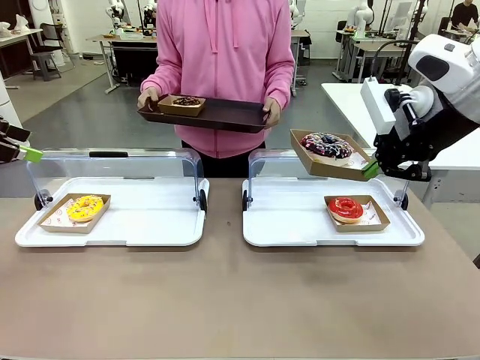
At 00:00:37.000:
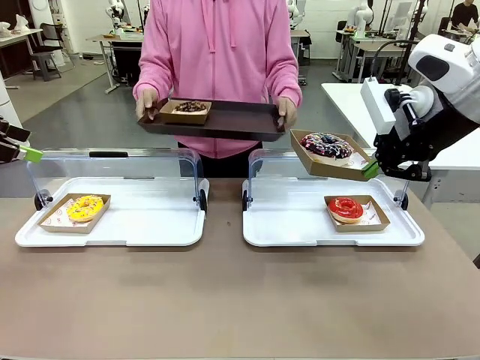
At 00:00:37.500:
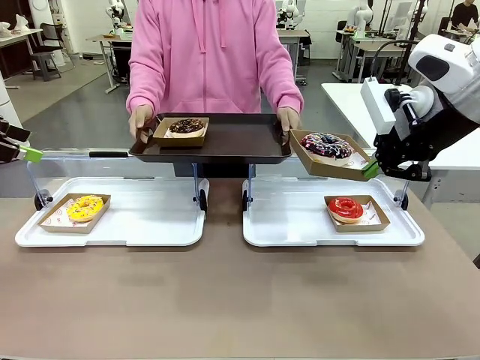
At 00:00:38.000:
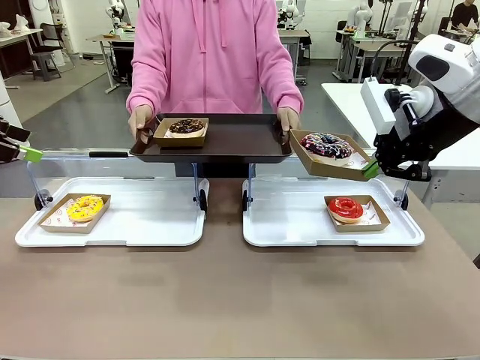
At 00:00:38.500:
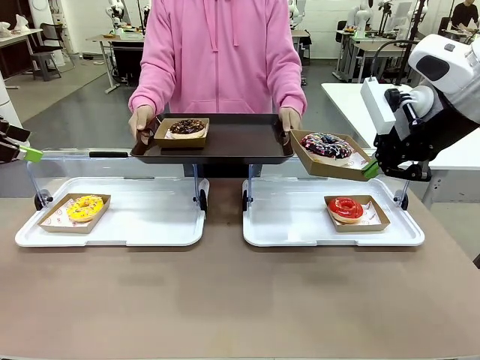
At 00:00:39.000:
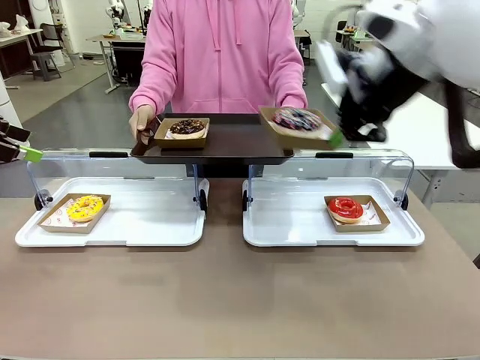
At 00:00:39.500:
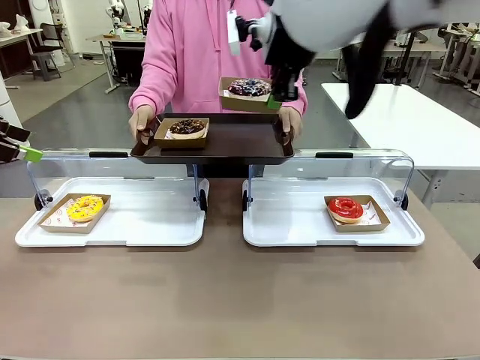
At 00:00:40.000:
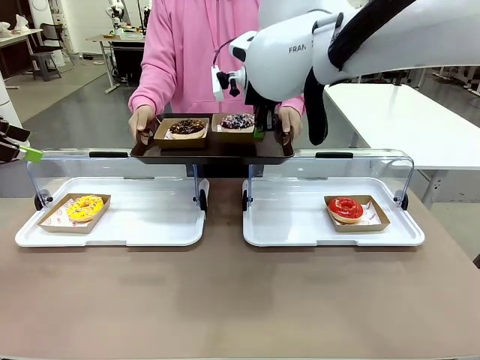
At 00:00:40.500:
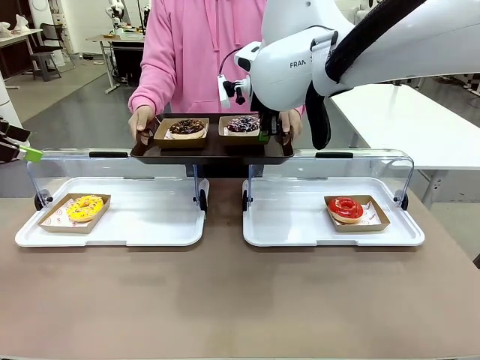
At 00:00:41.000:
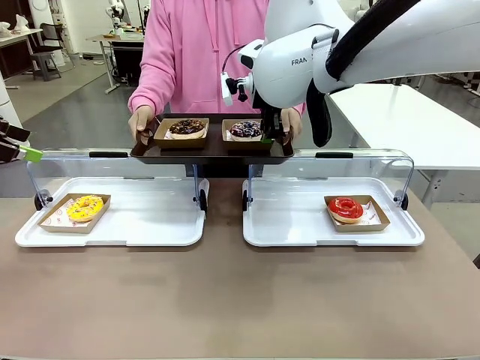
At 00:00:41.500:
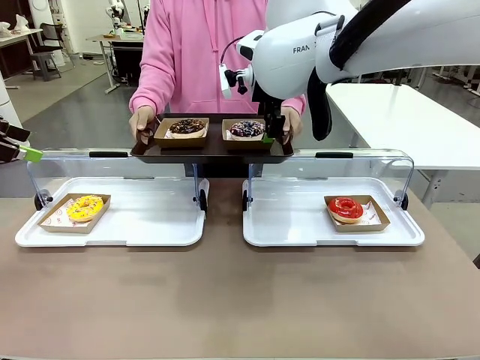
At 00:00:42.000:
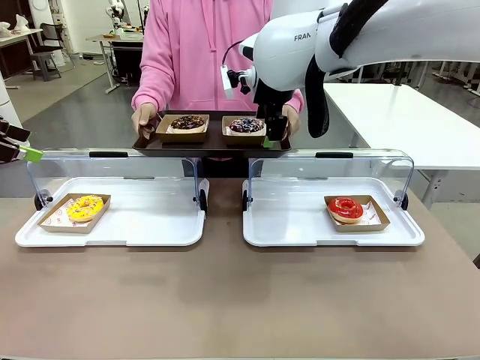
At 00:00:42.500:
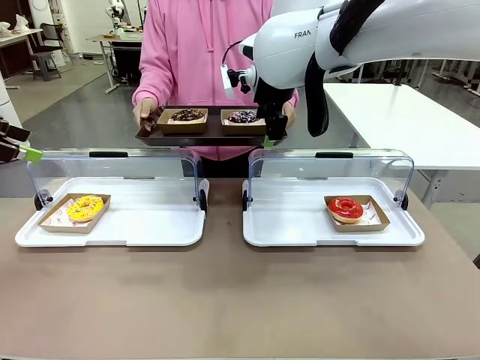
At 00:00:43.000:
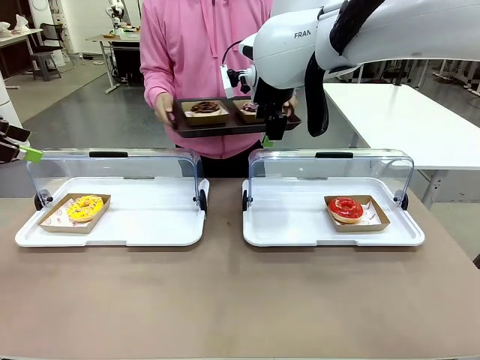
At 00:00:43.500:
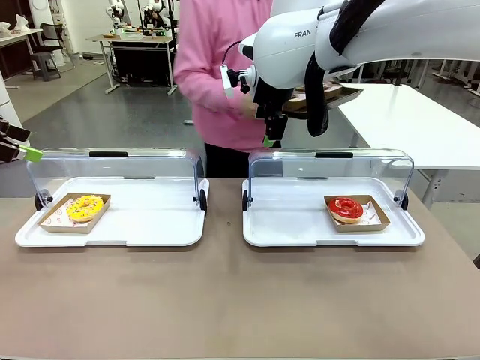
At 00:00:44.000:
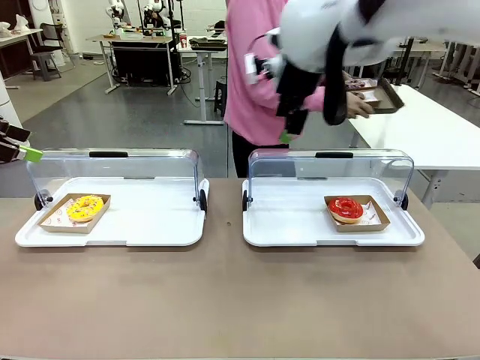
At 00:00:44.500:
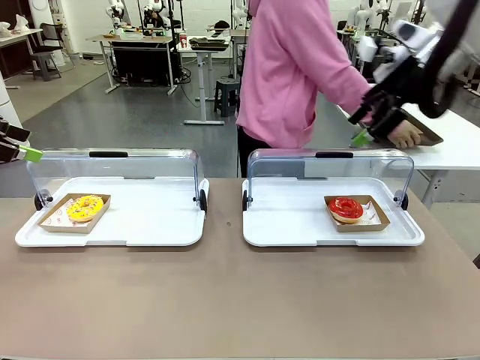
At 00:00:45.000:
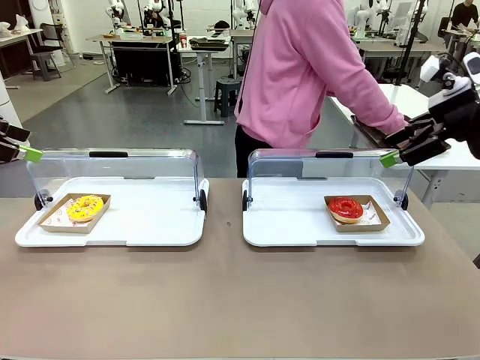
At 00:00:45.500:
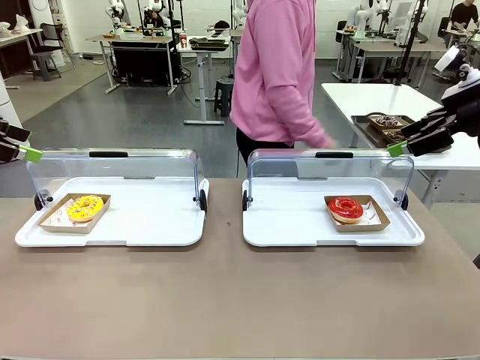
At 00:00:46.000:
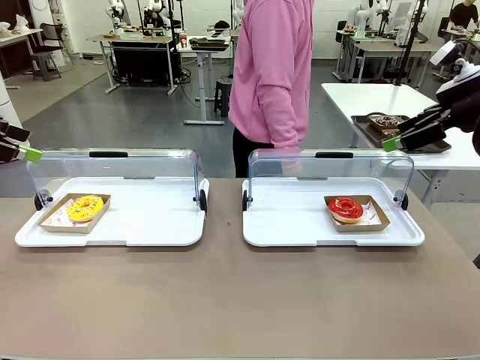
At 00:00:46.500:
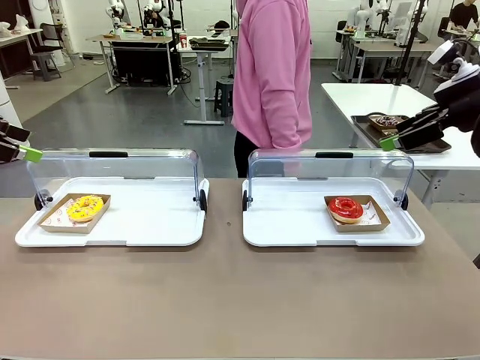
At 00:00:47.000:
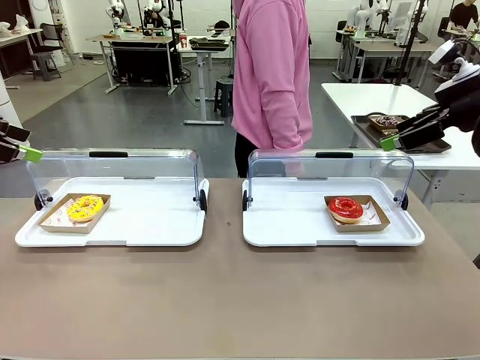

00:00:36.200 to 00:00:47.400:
Task: Provide the desired donut to the person.
Robot: Place the picked Paper togo box onto the Handle tray extended by the person.
Person: Place the tray in the middle of the human table.

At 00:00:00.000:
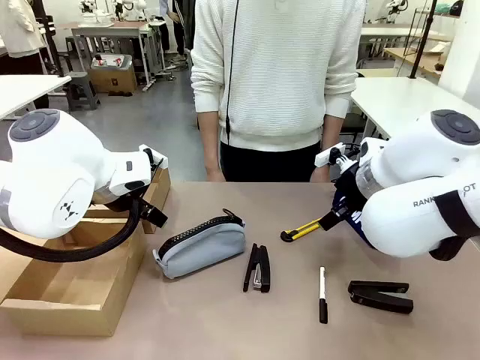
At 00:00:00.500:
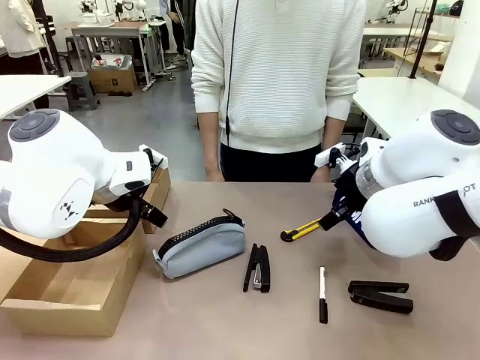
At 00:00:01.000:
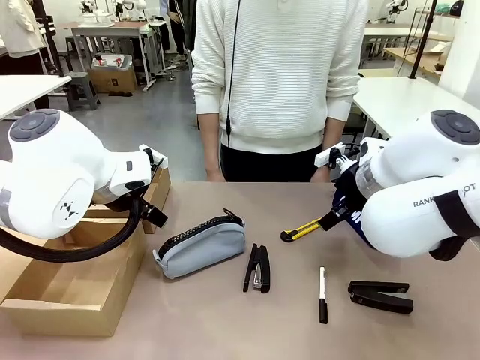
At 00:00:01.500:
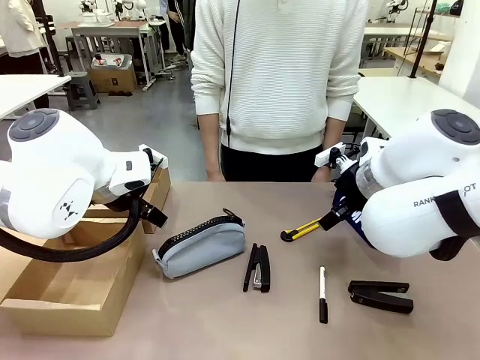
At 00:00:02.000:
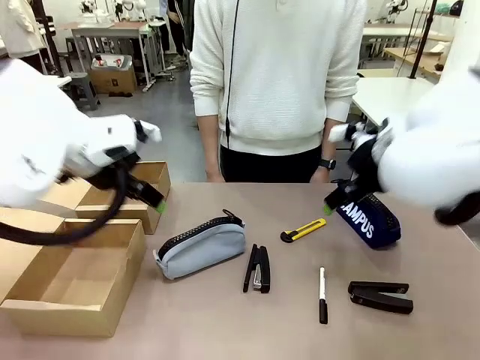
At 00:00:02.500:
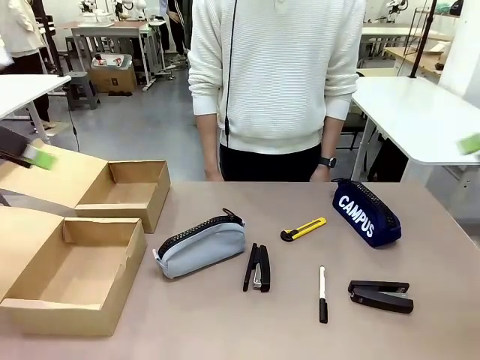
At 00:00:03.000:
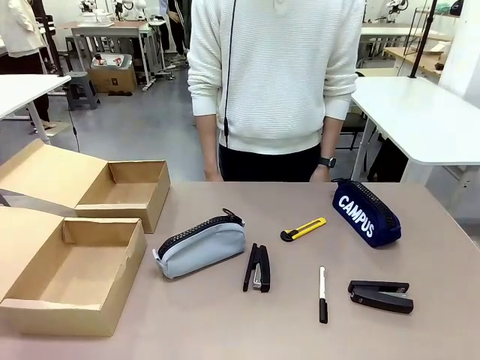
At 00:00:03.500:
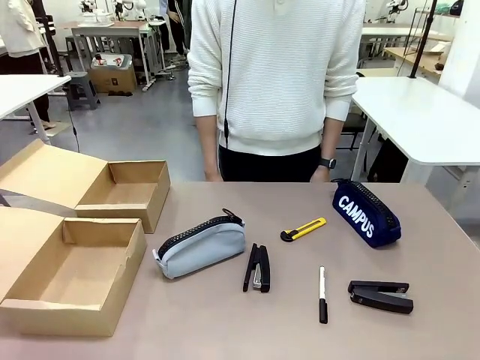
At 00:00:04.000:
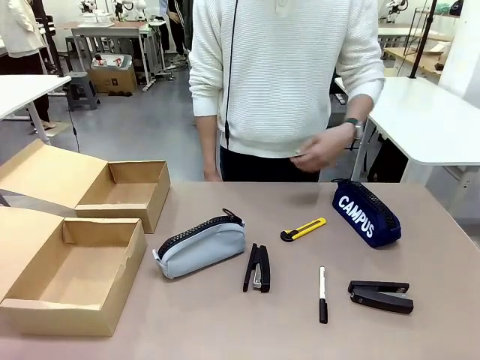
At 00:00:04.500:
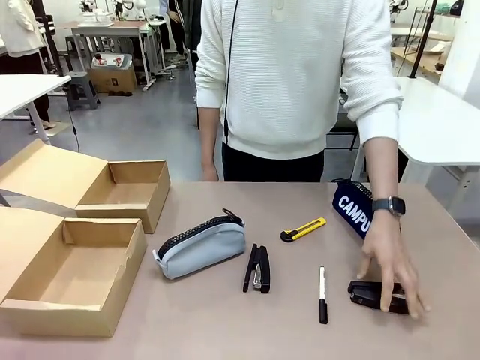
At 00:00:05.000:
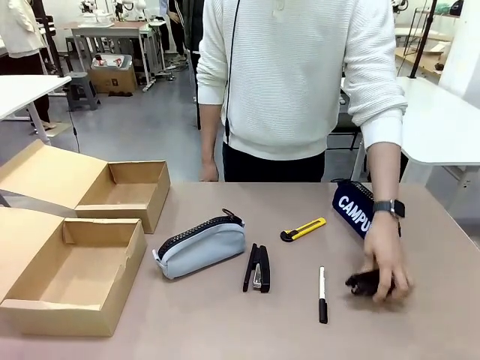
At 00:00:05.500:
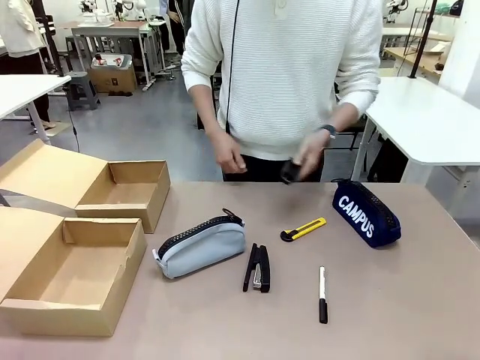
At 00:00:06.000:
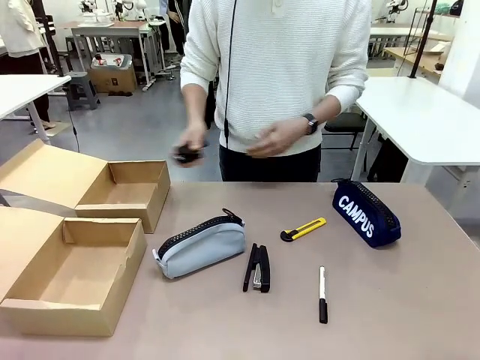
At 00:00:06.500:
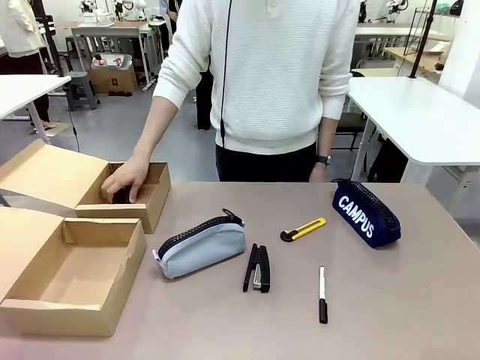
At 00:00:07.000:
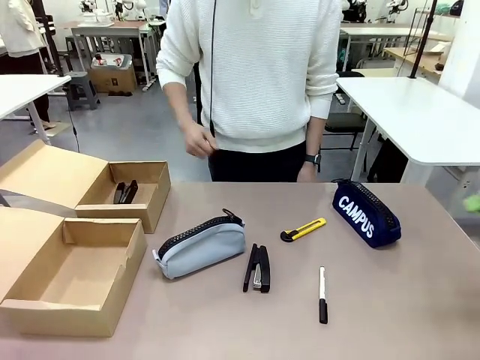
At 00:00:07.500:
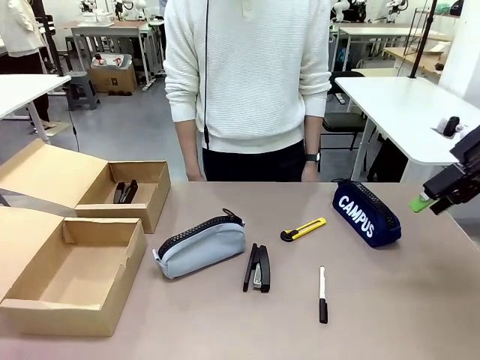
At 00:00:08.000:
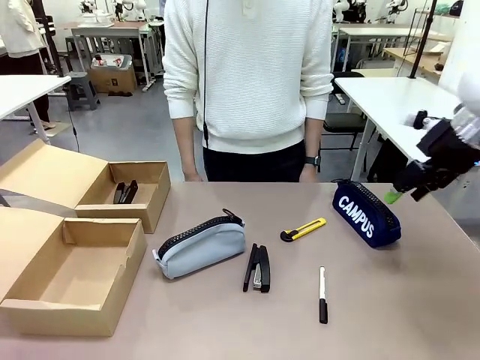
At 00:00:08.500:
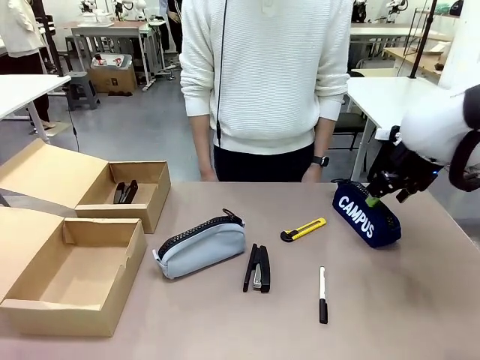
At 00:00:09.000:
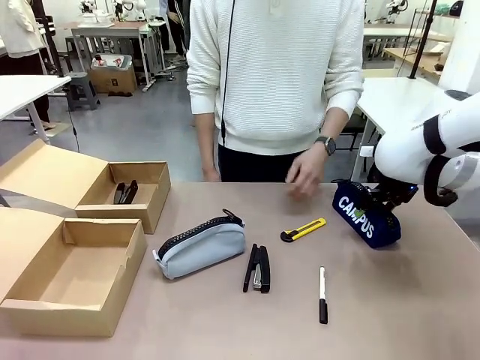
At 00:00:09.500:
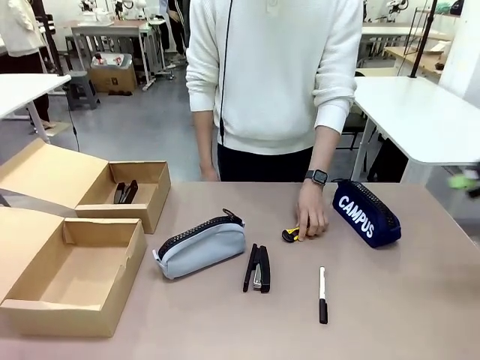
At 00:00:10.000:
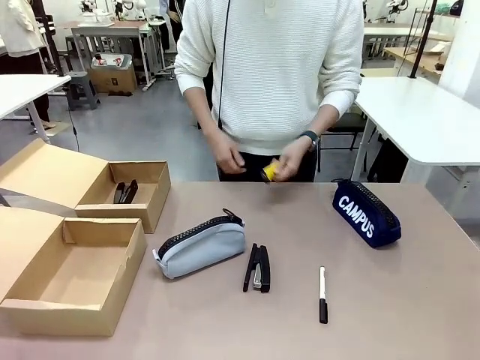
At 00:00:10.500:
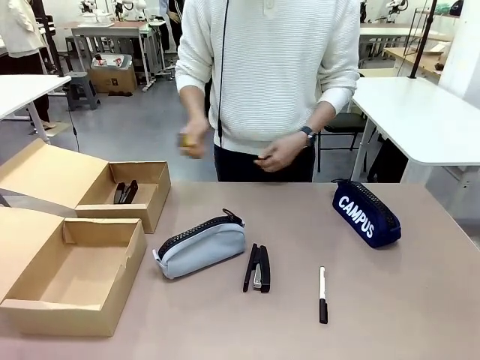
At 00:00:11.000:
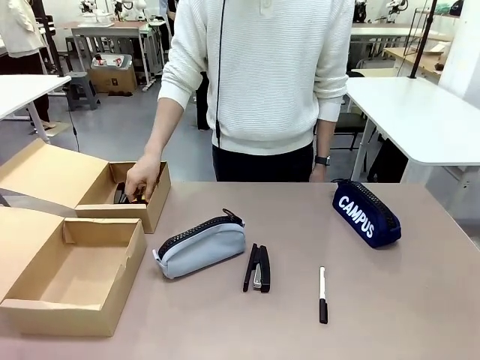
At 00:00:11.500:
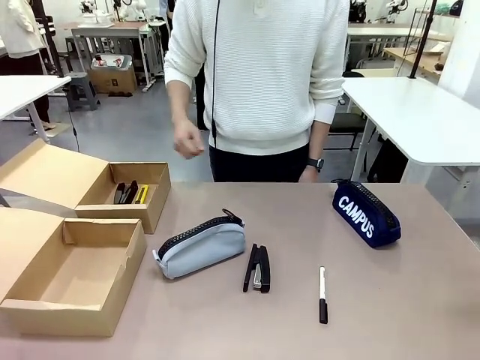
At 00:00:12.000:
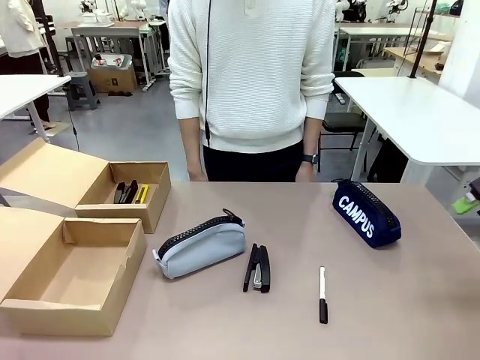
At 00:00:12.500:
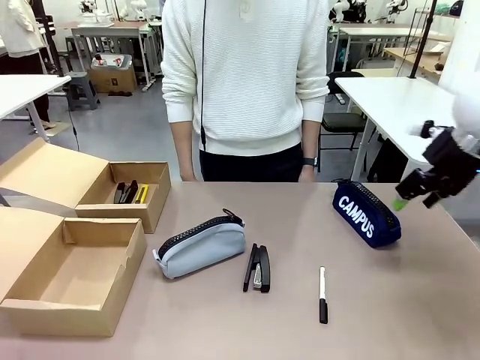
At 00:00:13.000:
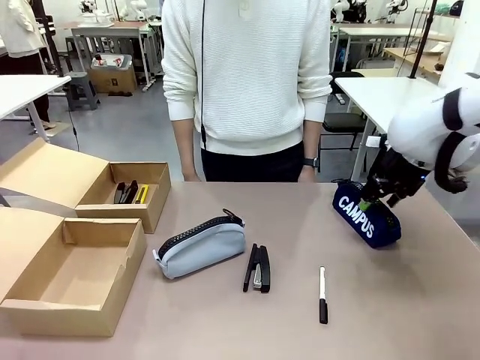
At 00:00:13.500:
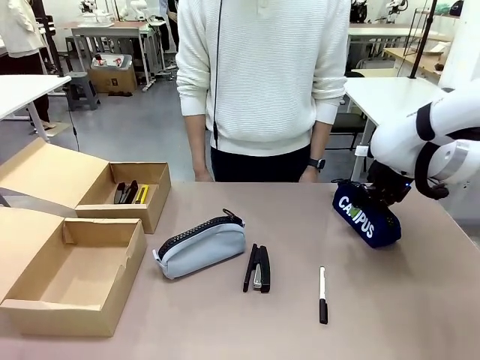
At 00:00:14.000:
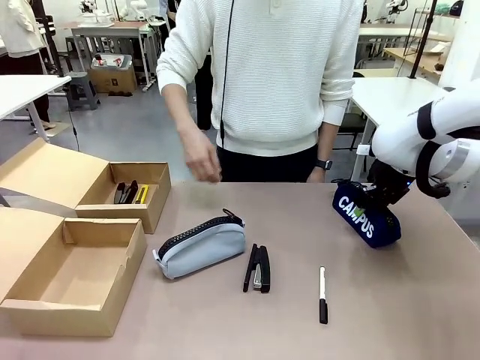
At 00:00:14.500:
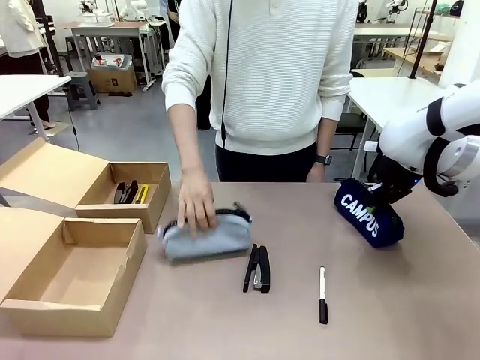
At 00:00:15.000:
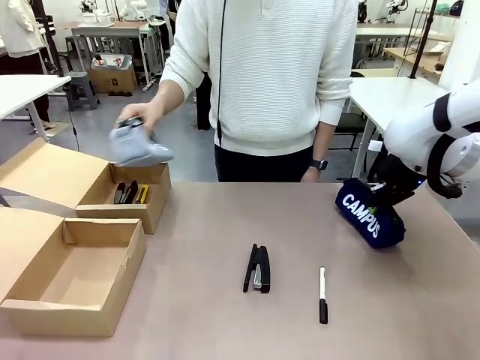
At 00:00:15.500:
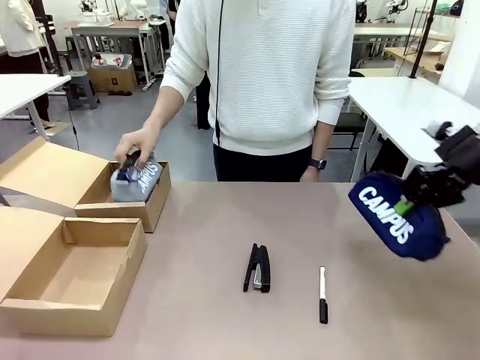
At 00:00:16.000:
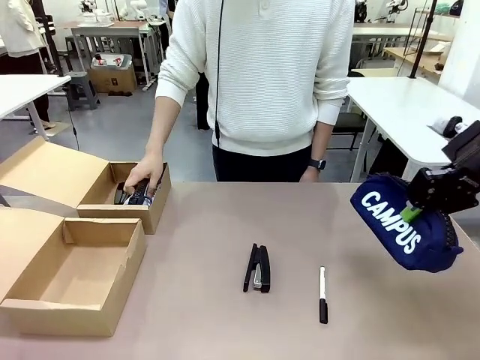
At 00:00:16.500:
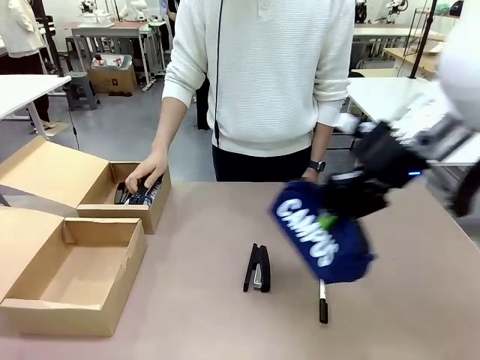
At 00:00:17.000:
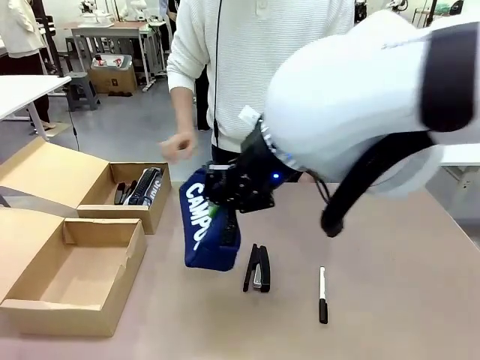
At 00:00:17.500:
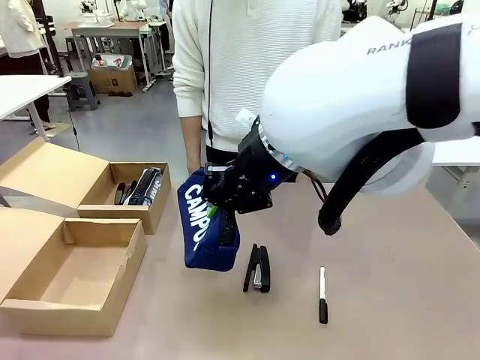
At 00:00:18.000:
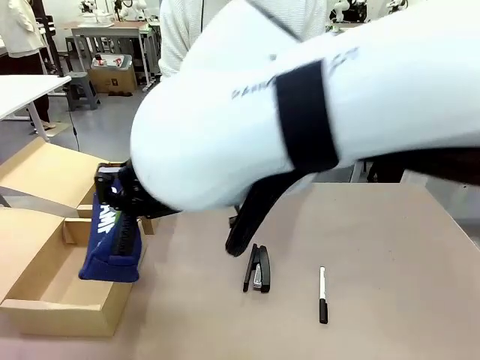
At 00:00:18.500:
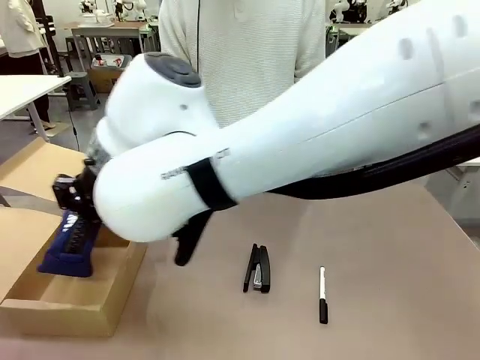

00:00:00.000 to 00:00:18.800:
Task: Place items inside the box.
Robot: Pick up a Pencil pouch or Stapler and place it inside the Mailer Box closest to the robot.
Person: Pick up an object on the table and put it in the box.
